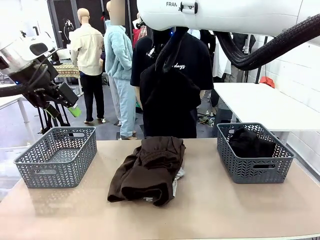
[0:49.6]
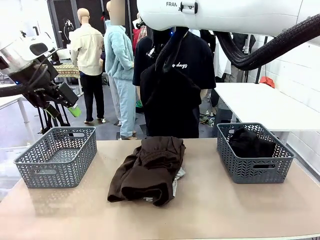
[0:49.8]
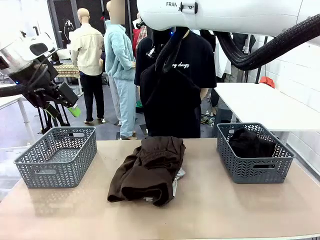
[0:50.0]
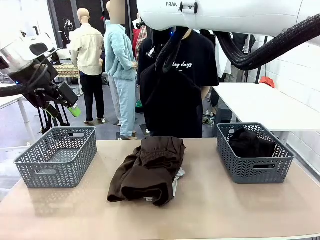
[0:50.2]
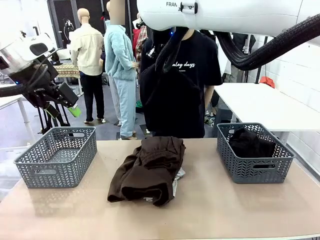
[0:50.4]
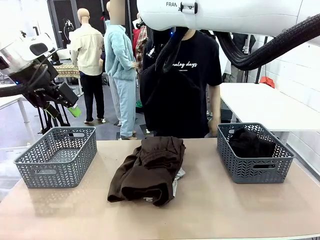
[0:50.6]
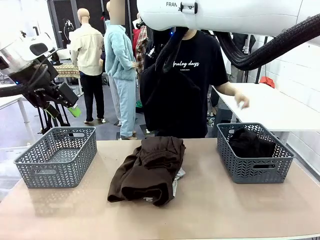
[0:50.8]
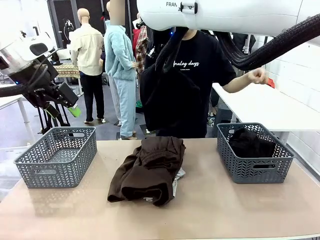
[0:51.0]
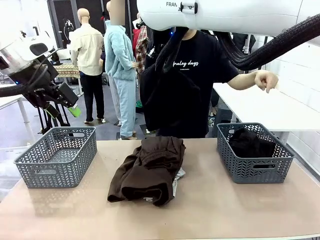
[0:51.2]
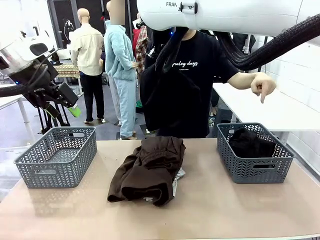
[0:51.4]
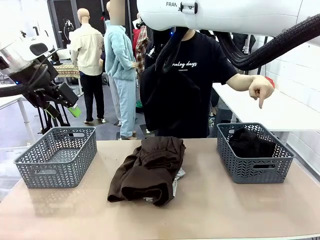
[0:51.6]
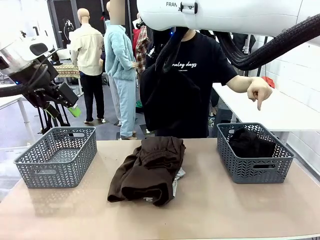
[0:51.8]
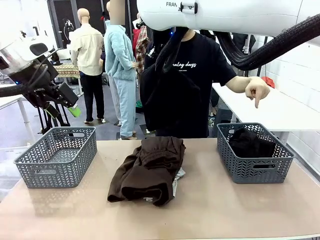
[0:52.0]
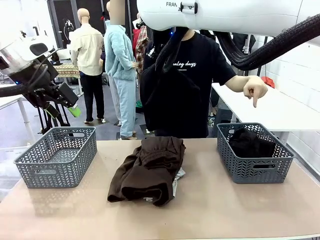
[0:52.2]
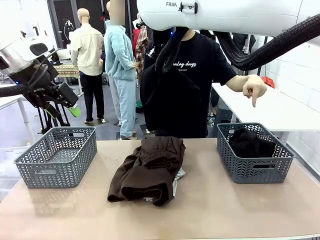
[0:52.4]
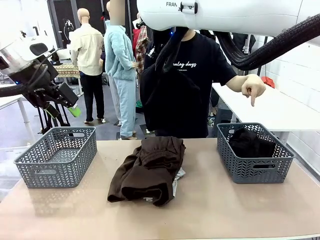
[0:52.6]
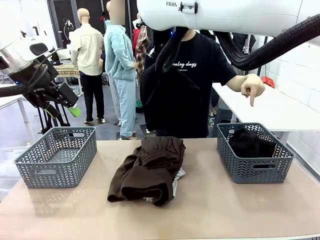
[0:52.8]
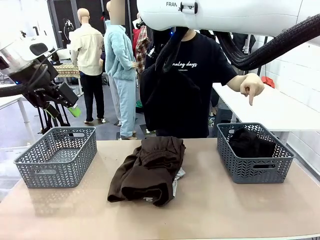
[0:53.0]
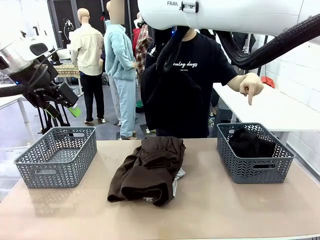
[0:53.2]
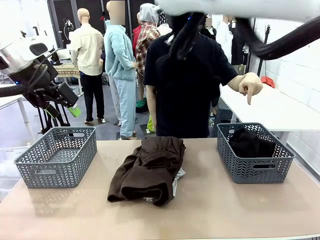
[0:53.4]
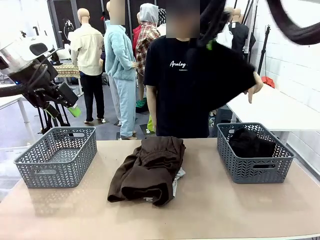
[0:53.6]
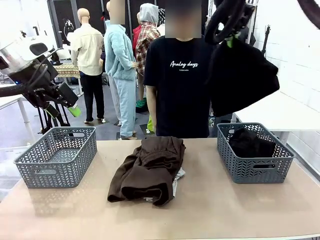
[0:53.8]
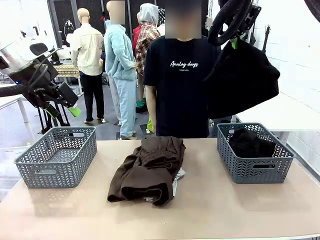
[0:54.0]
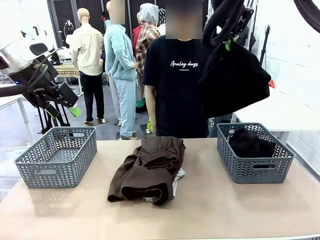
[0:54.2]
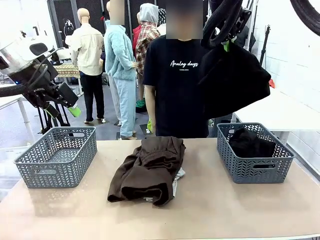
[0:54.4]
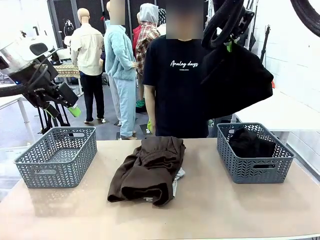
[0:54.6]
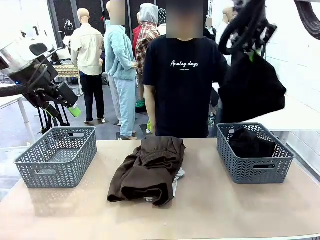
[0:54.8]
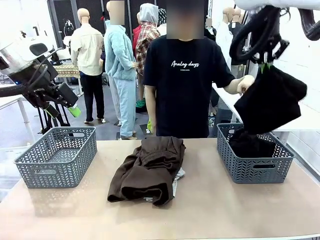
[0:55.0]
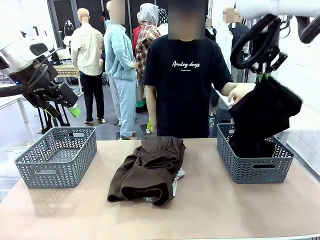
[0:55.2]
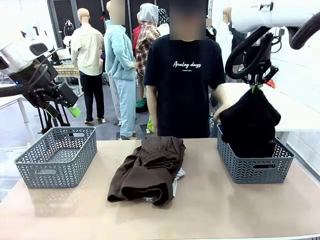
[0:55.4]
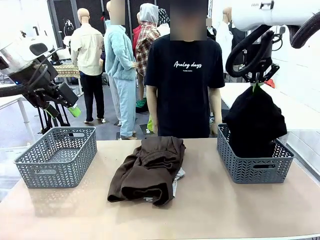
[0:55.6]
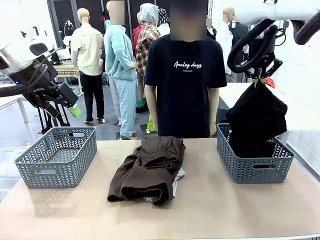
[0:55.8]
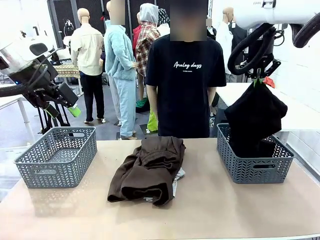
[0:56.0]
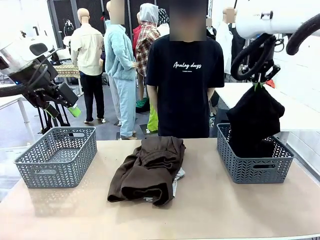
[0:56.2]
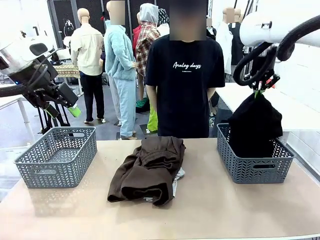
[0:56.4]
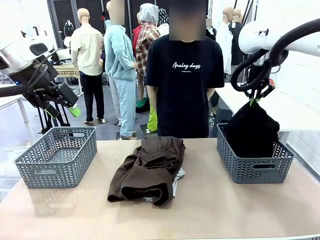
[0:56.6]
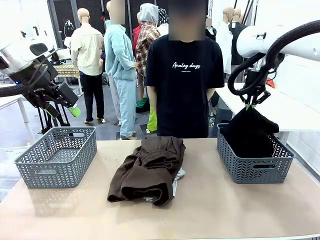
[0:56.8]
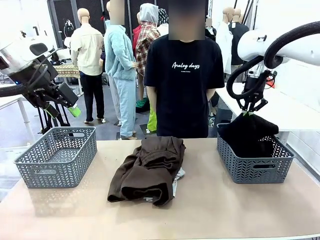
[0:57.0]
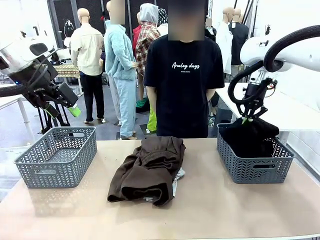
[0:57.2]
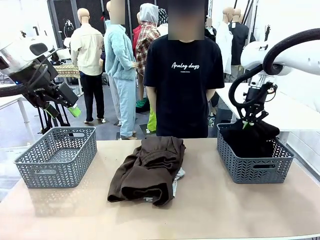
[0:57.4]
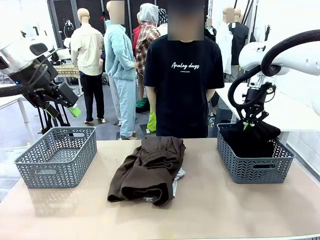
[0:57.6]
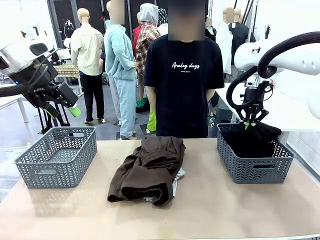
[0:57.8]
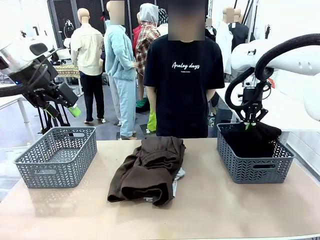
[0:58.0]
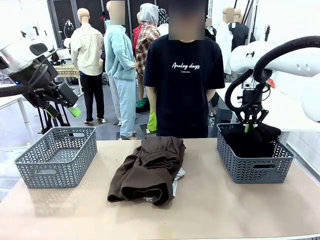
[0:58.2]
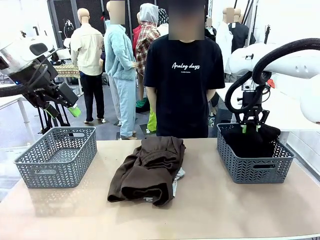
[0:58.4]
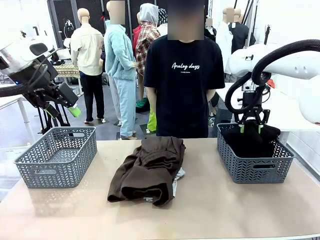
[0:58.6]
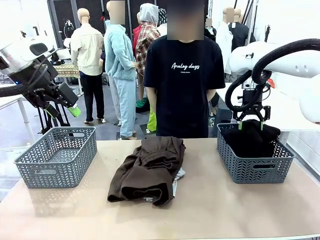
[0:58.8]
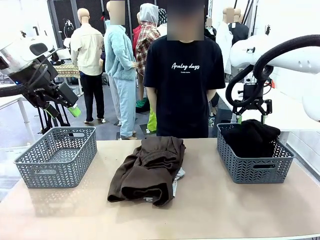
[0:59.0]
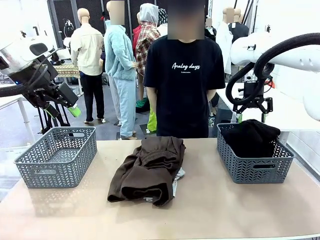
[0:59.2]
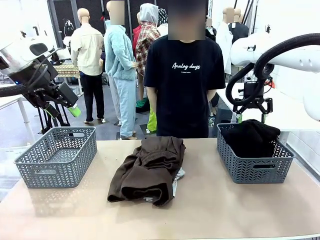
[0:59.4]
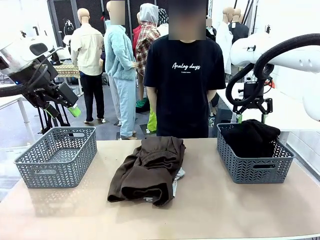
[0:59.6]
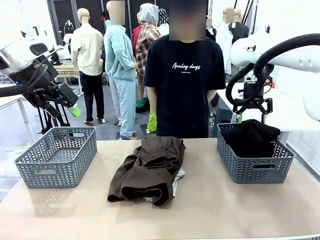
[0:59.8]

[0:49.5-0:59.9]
Task: Sort the tops and bottoms.
Robot: Sort the clothes according to human instructions.

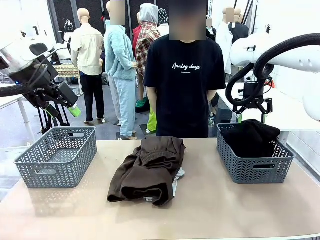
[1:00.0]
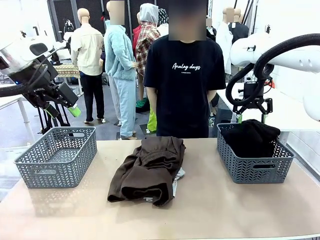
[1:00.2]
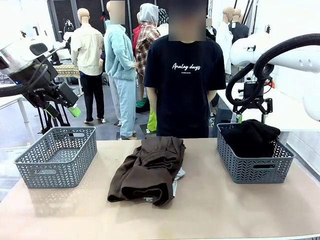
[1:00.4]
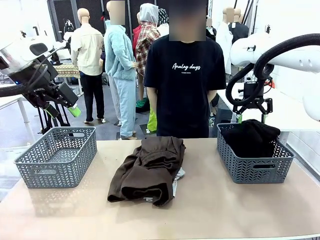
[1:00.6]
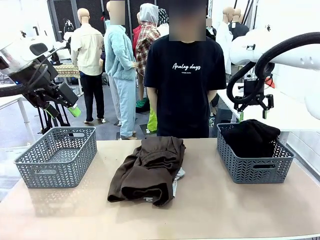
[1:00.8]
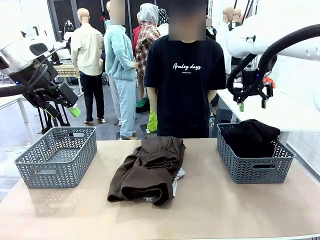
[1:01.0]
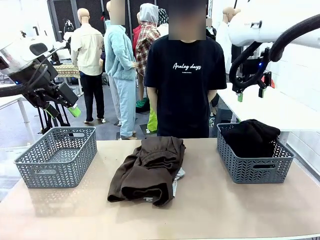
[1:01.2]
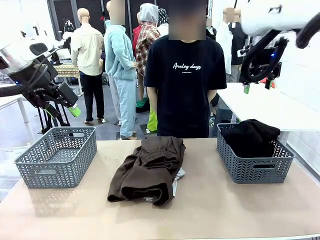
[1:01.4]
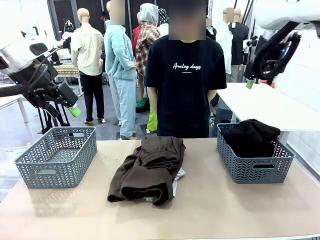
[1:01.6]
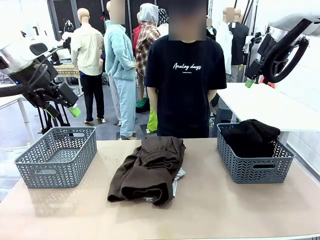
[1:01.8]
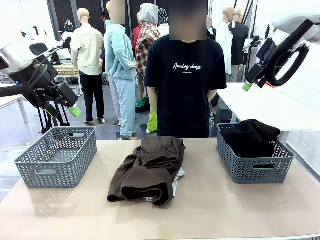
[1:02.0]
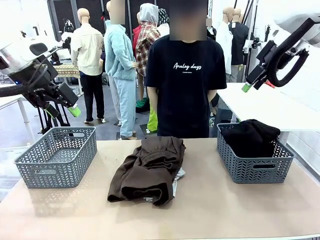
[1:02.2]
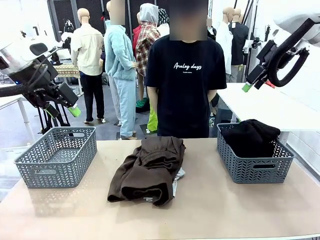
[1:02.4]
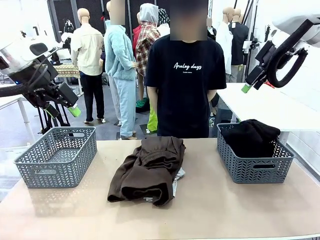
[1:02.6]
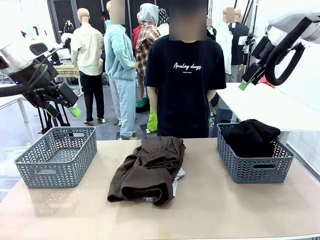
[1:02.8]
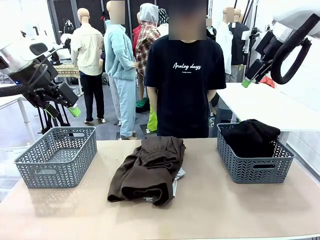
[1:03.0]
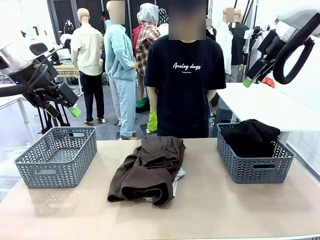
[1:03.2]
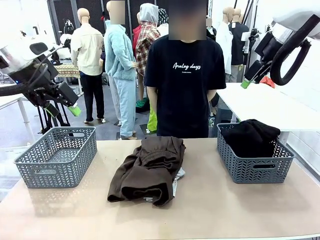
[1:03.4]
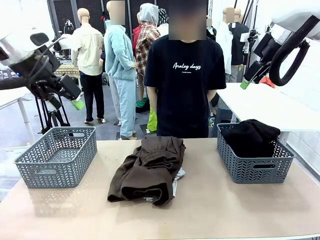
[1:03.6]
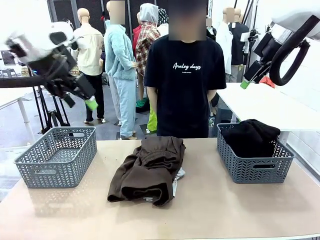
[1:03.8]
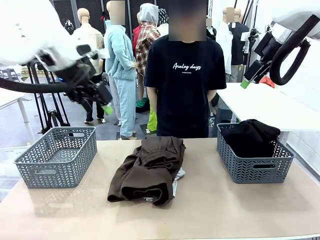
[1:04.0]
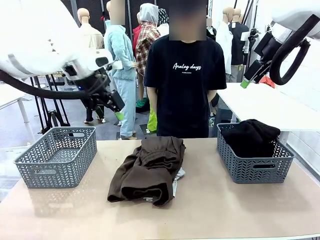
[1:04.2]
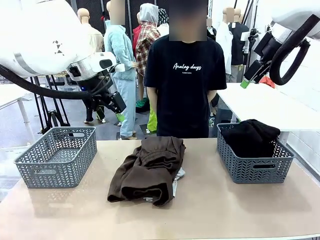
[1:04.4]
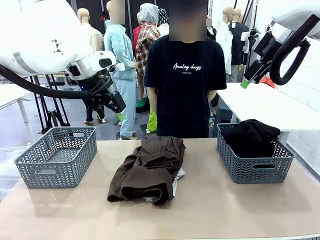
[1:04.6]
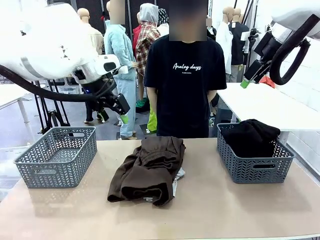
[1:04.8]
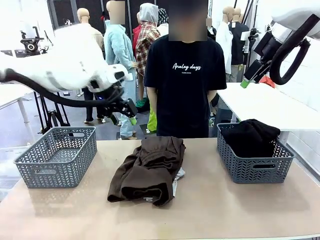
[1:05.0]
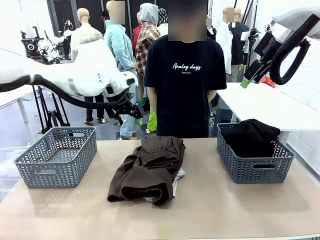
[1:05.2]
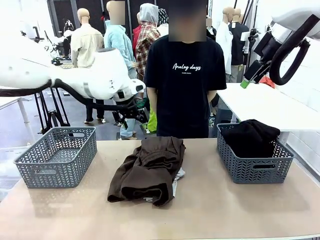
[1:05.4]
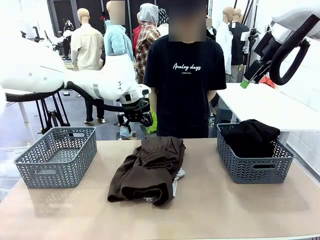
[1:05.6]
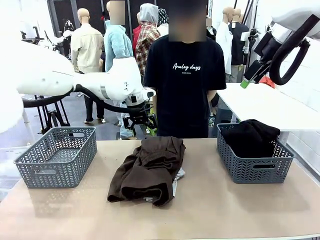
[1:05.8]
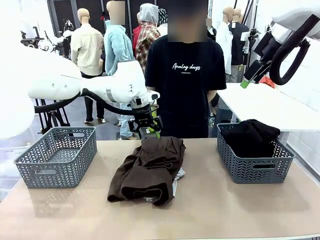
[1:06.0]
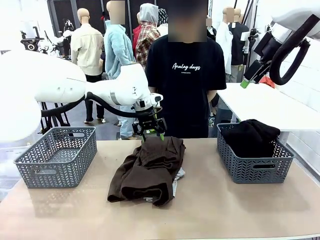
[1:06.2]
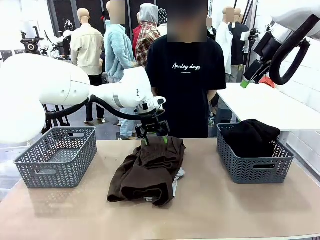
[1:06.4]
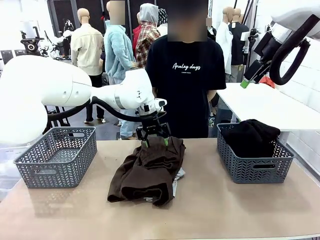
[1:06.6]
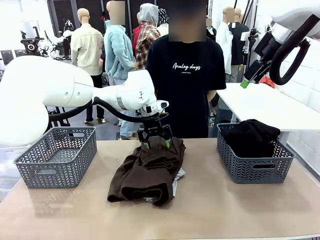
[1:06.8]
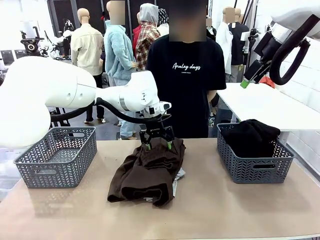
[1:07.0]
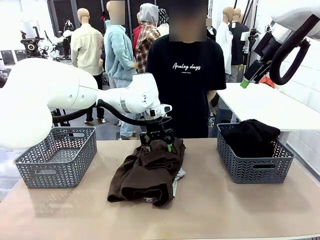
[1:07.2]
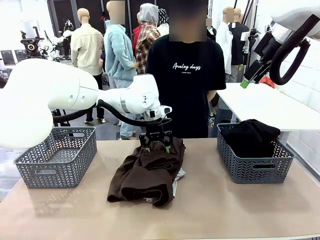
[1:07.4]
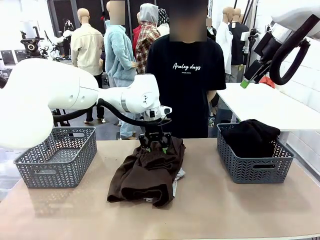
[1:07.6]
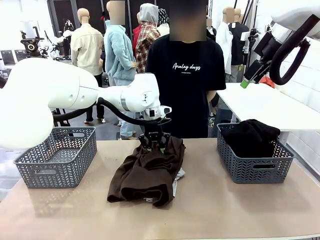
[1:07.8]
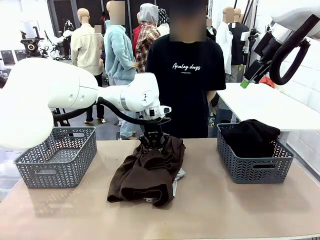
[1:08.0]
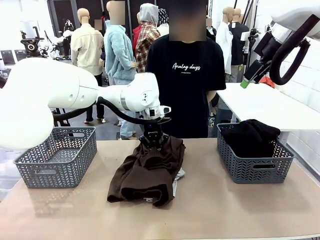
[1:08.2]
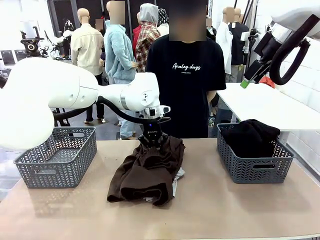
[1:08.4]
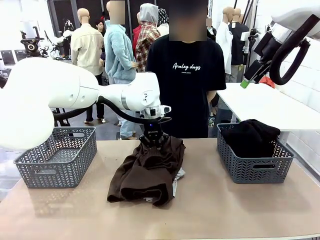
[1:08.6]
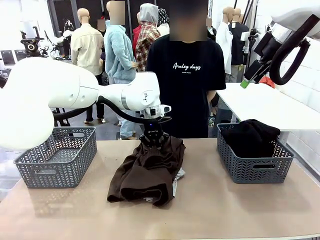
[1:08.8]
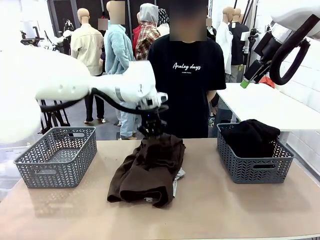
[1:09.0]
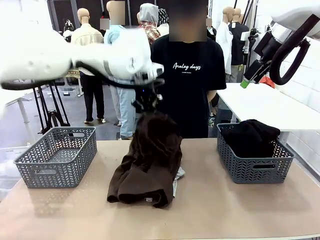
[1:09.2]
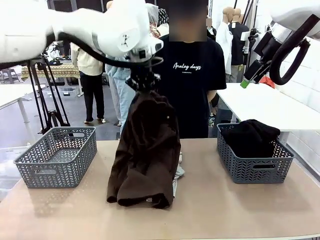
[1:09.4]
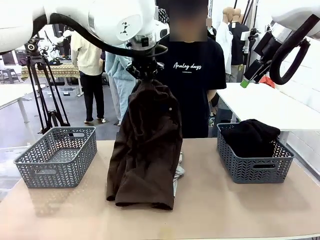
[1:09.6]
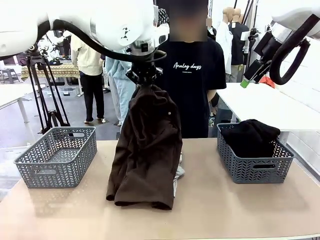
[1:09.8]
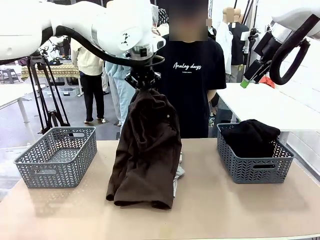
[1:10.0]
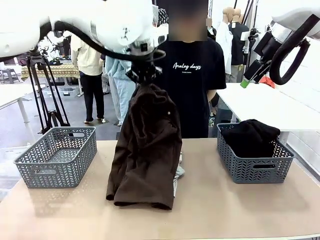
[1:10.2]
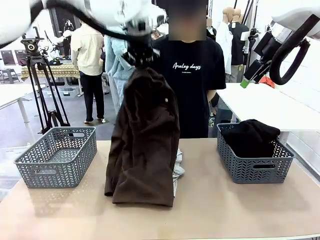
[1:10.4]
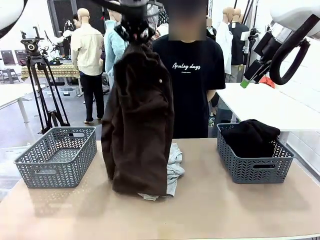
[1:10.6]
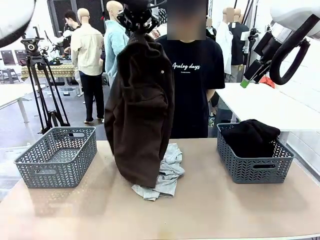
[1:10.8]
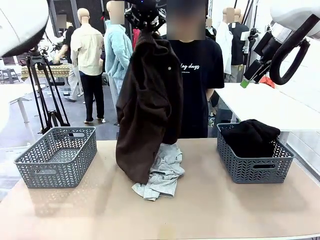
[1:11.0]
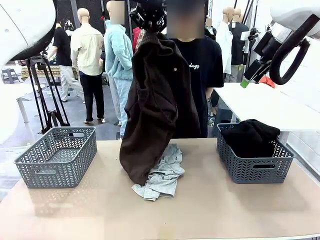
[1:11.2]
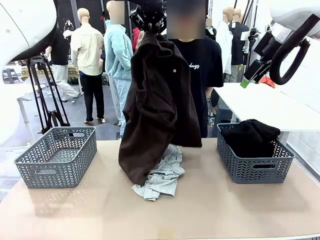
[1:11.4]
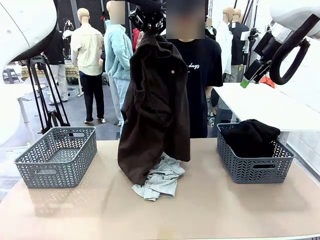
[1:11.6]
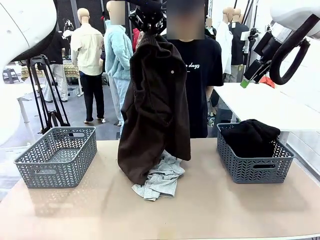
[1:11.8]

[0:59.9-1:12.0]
Robot: Lift clothes from the center of the table with your left hand.
